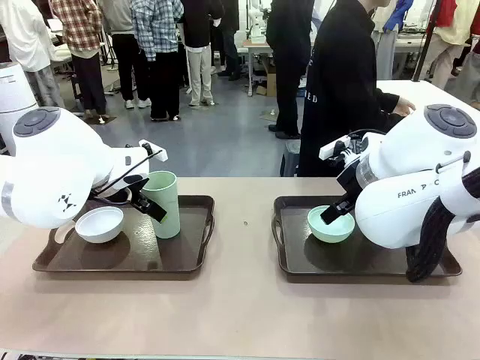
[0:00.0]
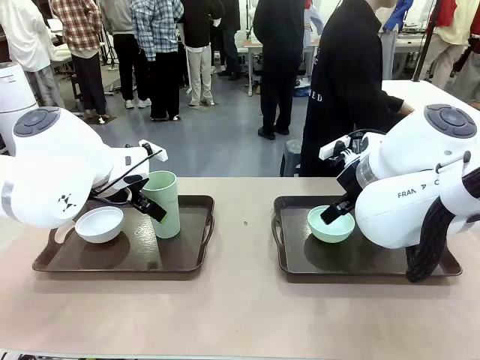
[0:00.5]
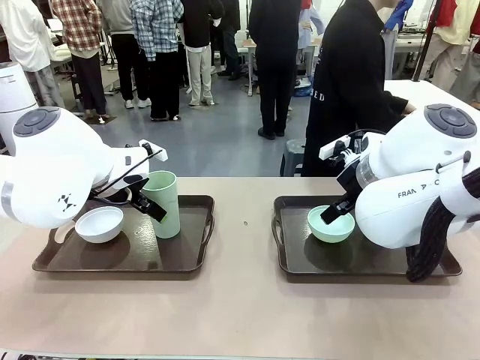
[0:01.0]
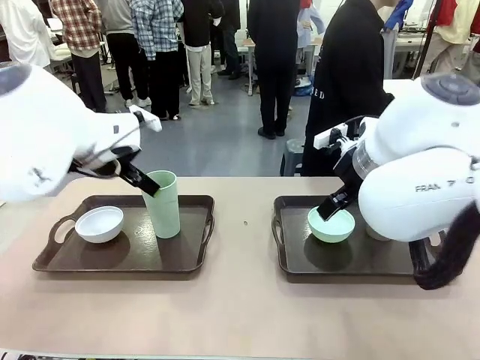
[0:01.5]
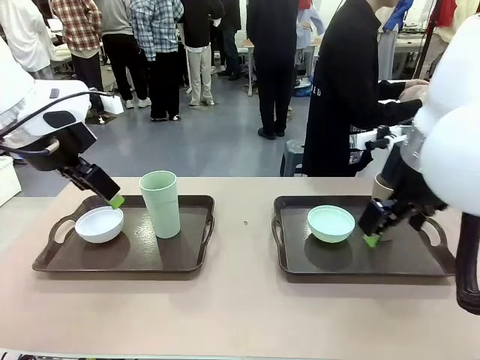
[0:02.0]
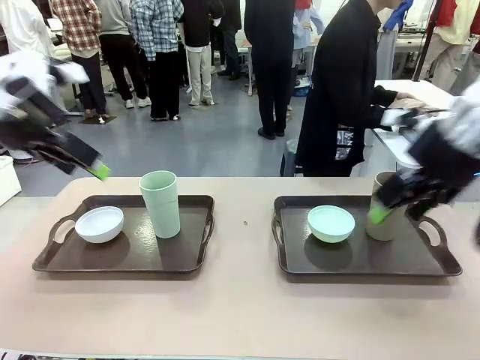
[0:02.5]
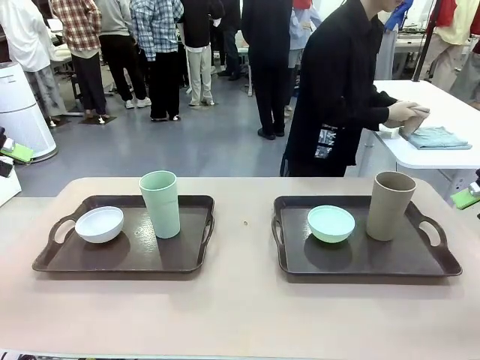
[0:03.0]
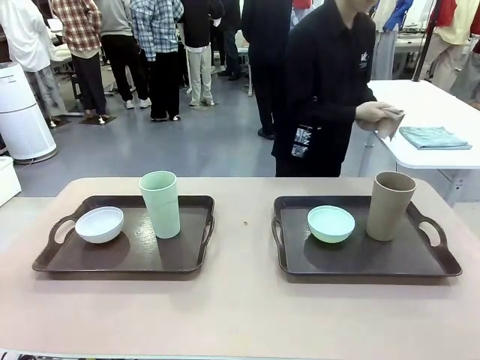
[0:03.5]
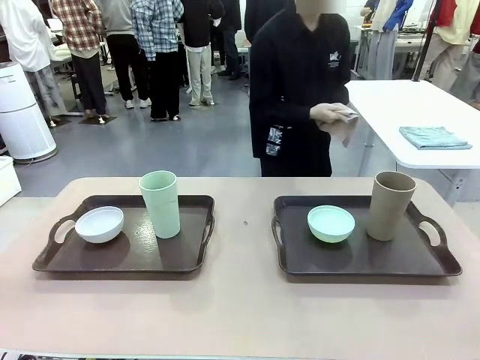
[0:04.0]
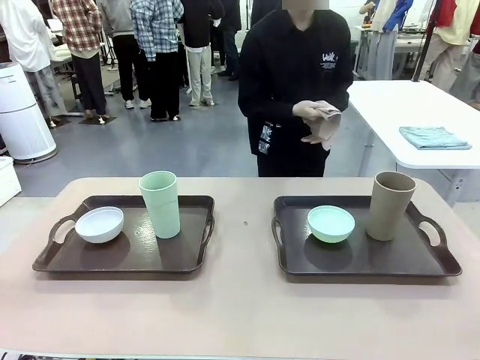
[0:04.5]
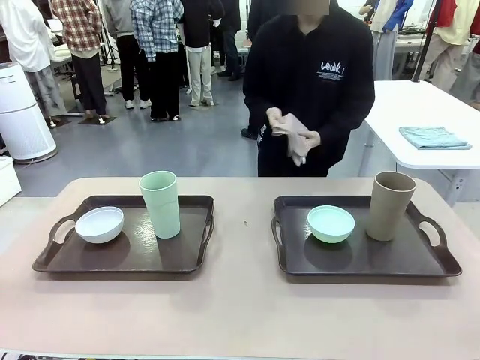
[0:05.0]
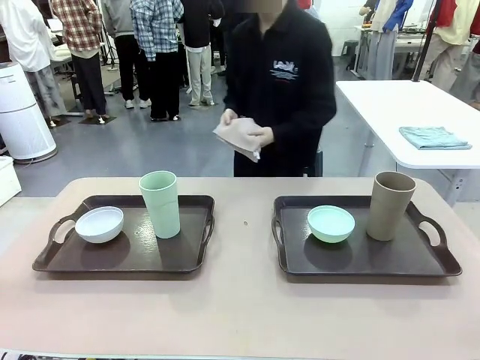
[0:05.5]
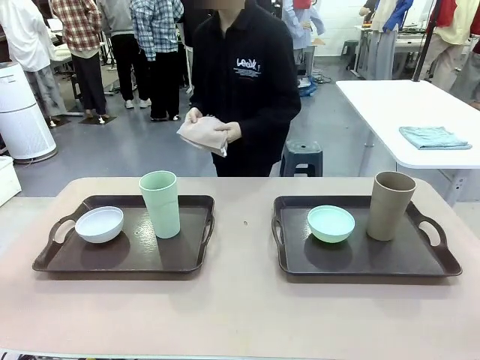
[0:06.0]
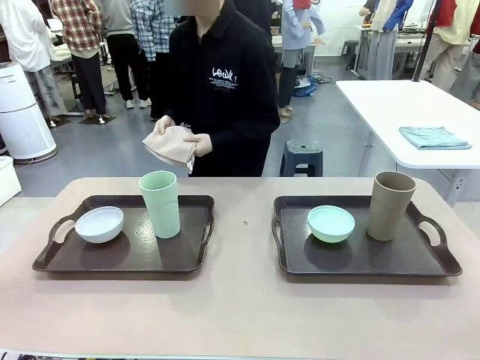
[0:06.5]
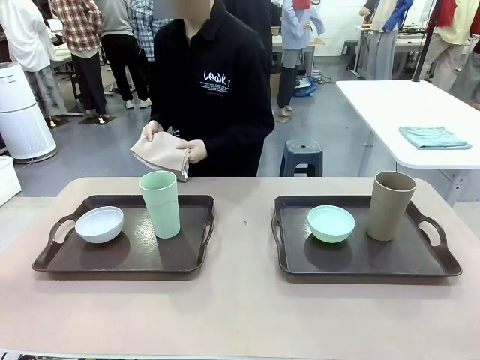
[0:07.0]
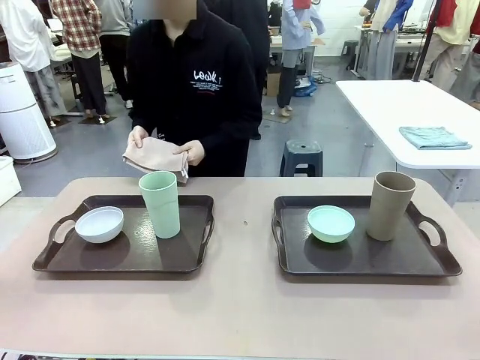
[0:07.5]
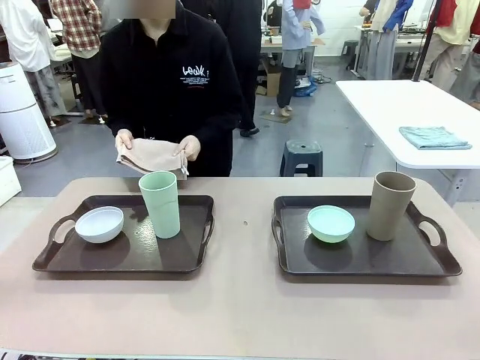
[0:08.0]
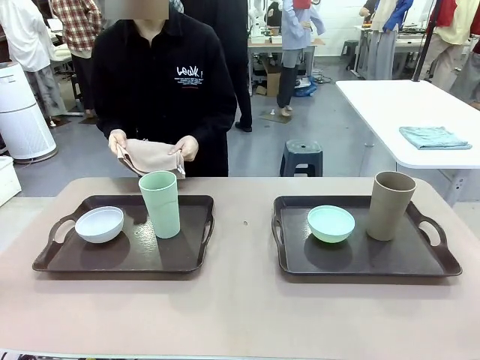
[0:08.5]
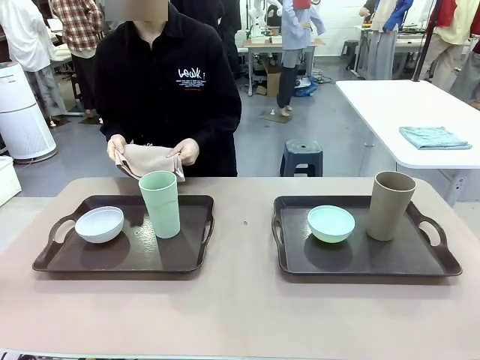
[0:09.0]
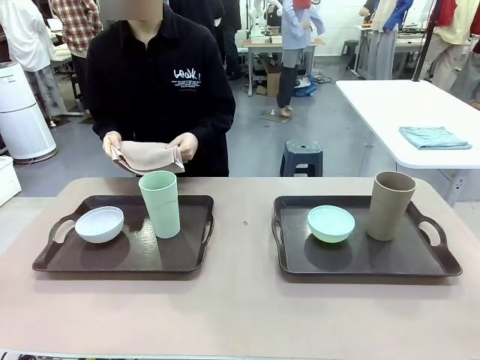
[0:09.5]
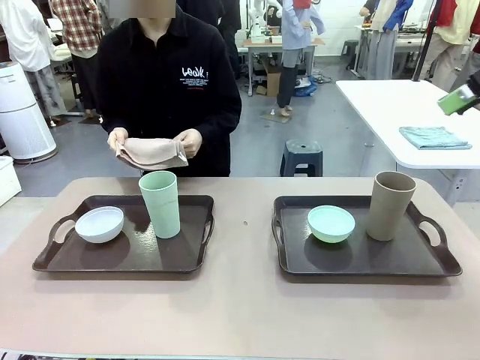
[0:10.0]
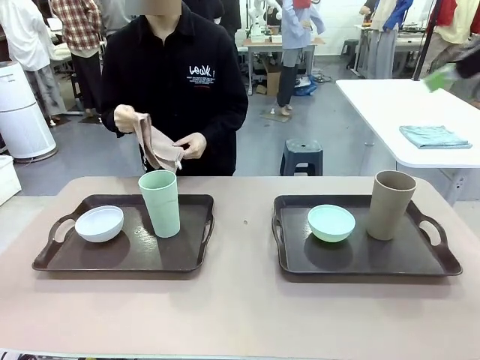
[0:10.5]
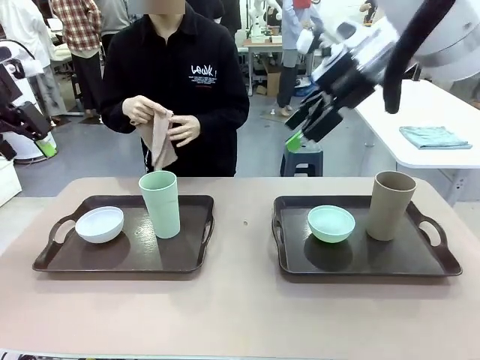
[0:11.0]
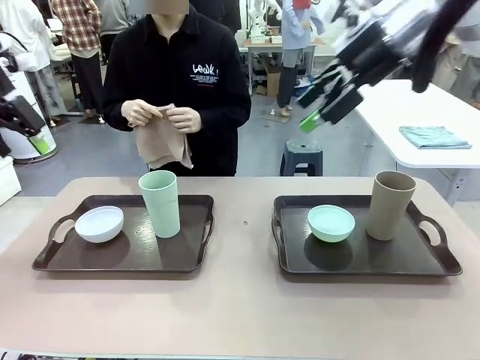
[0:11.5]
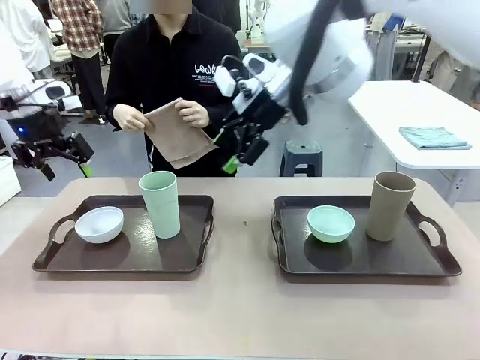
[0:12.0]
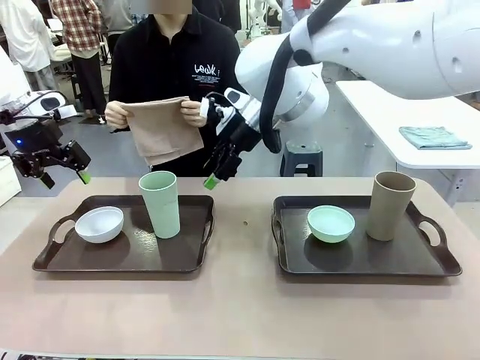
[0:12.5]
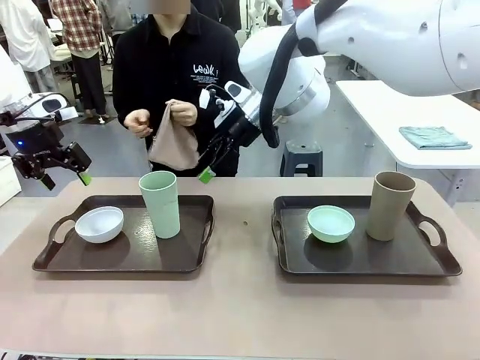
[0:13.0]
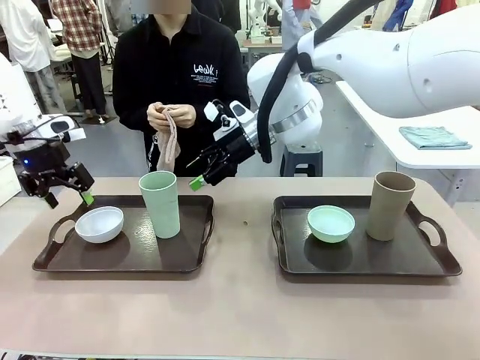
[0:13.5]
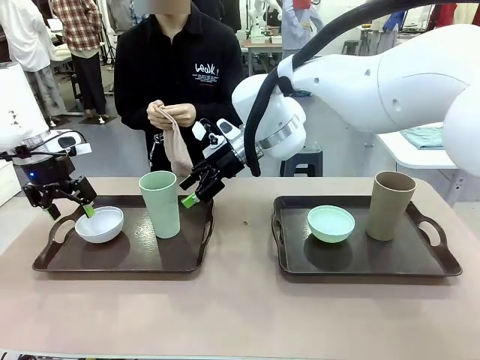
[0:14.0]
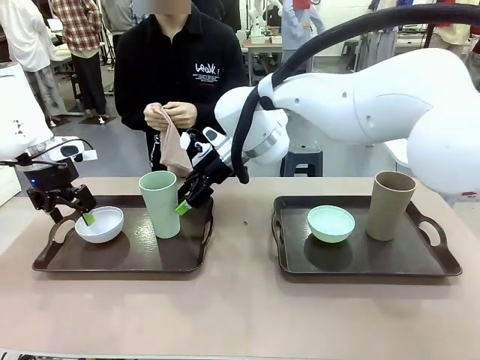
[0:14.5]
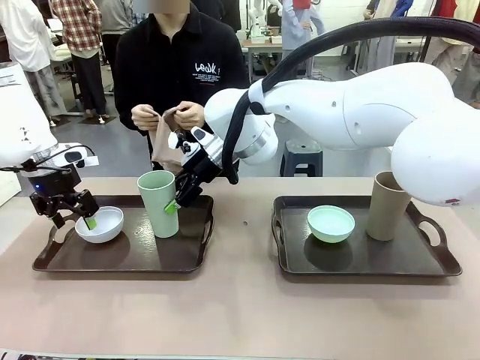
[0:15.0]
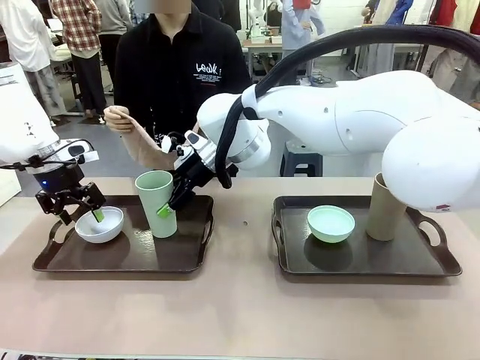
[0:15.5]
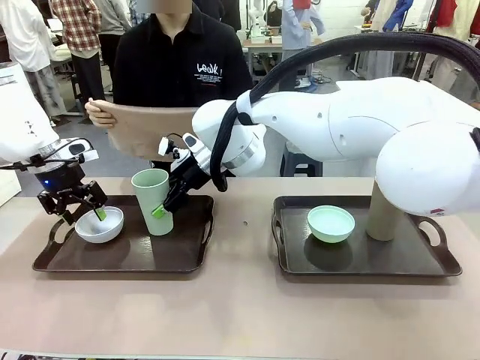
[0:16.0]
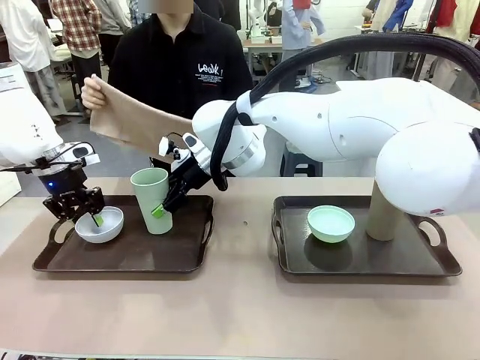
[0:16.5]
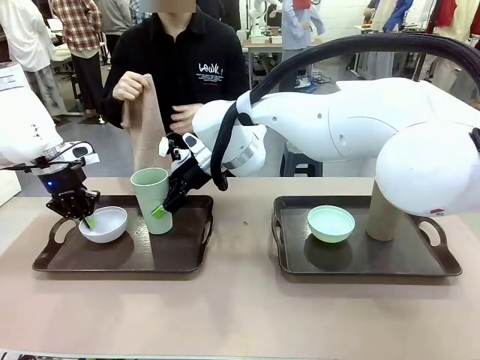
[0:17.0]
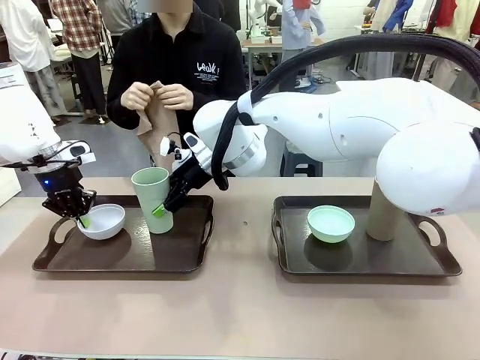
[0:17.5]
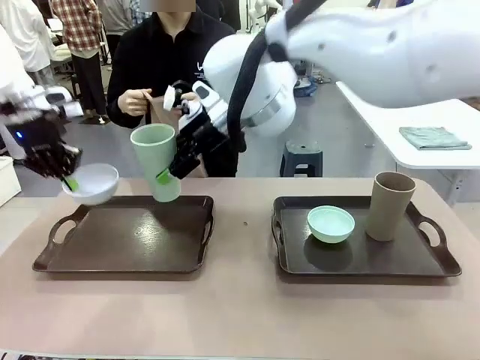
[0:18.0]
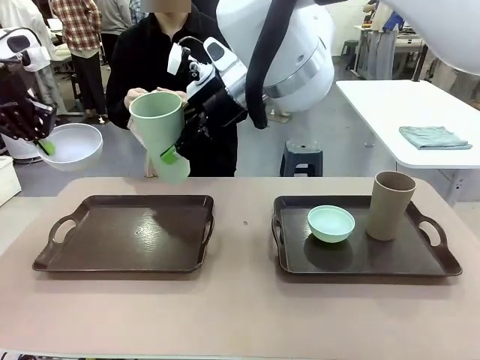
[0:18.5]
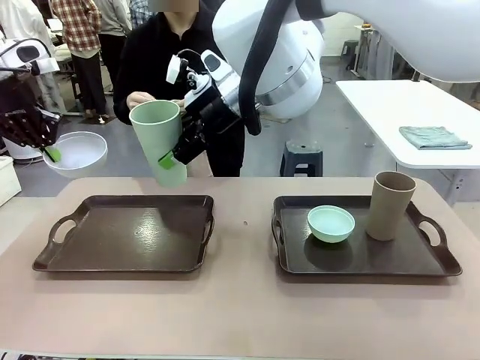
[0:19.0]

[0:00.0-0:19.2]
Robot: Pick up the Picnic Bowl and Reusable plastic cup from the Handle tray in front of the human's position and hold them in the air.
Person: The human picks up the top napkin from the stack on the human table and walks to the robot table to stand in front of one of the two trays. When the robot lifts the bowl and the cup, the human unfolds the napkin and lays the napkin flat on the tray.

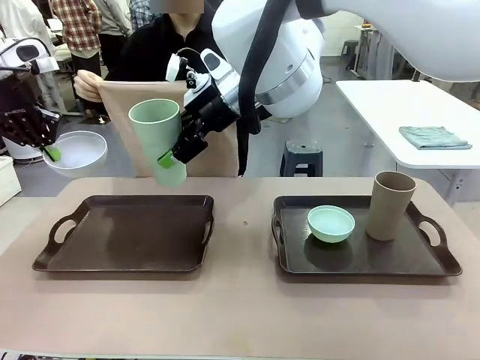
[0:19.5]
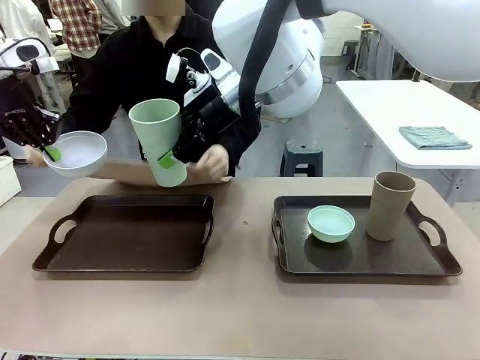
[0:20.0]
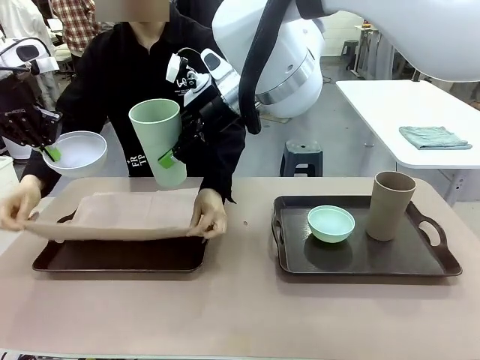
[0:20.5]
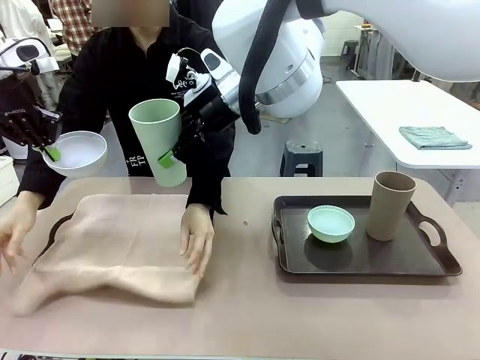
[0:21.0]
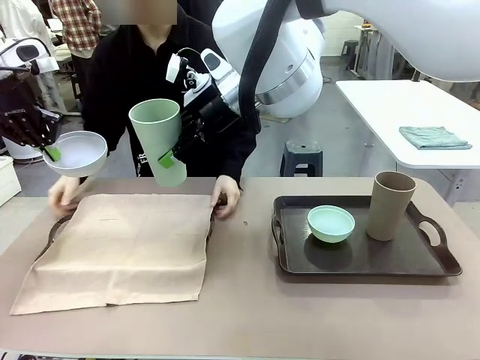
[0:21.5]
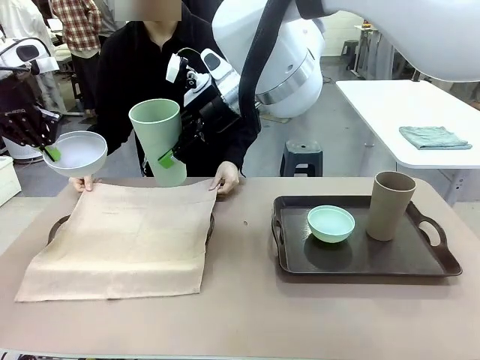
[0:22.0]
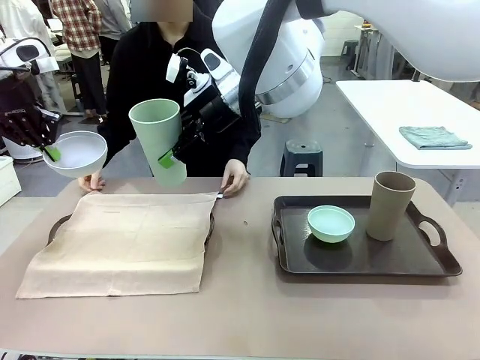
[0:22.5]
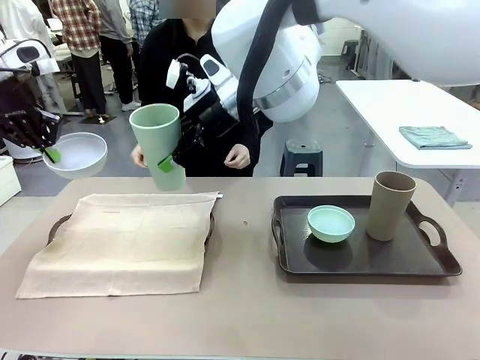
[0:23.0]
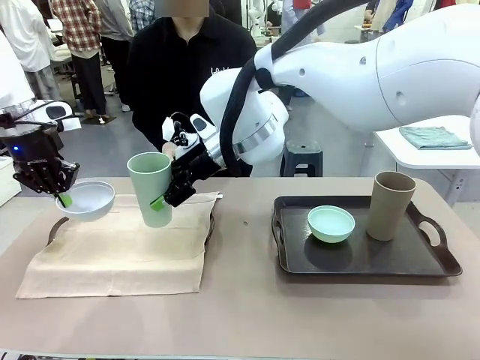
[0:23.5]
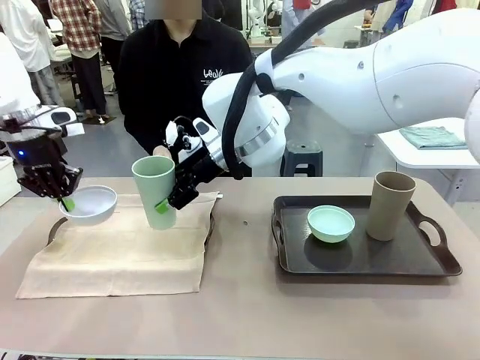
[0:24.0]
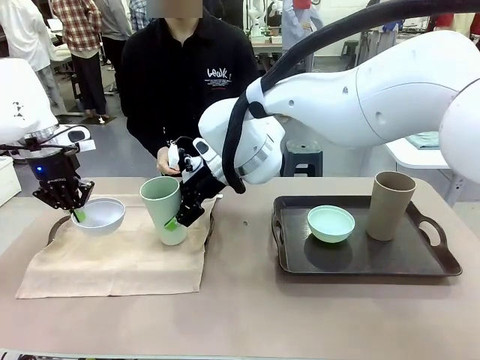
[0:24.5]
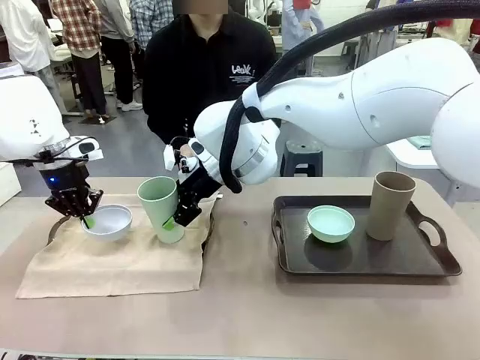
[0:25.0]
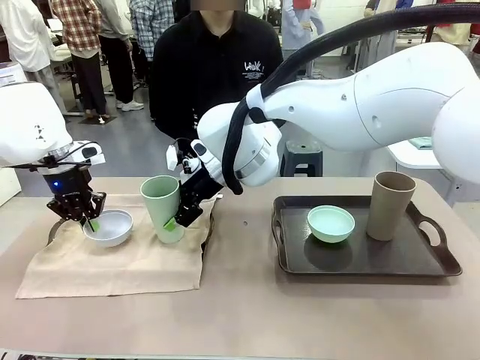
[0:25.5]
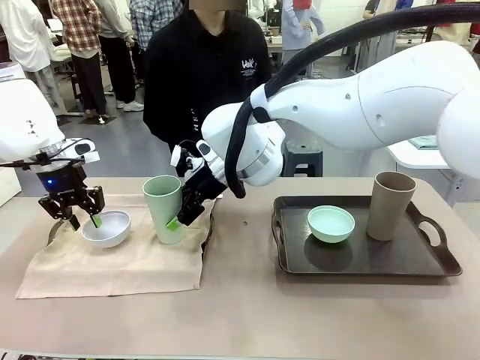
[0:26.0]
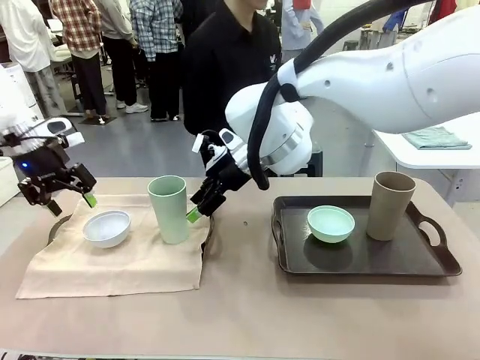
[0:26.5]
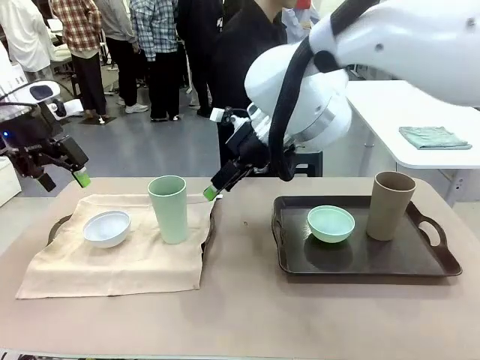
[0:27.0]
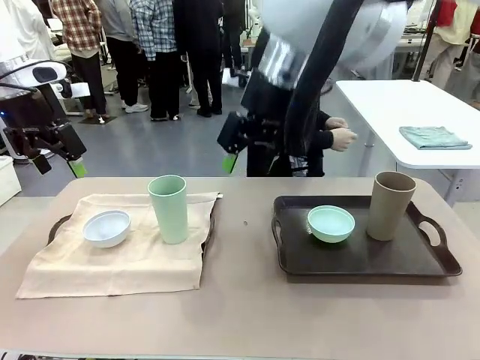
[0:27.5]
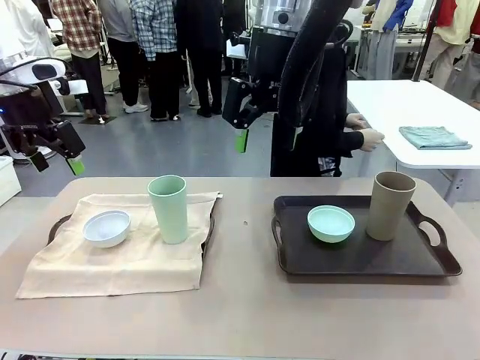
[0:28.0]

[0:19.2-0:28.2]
Robot: Place the Picnic Bowl and Reusable plastic cup back onto the Handle tray in front of the human's position.
